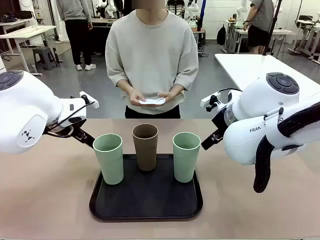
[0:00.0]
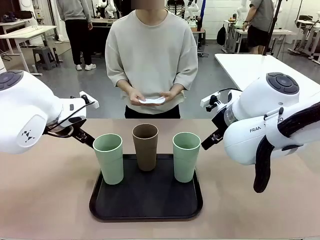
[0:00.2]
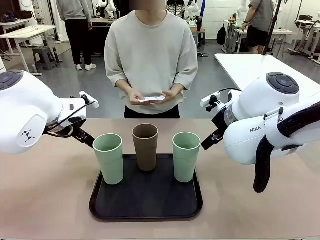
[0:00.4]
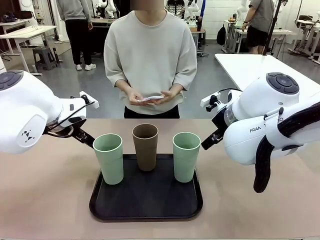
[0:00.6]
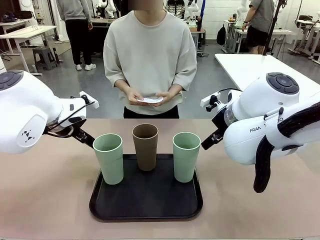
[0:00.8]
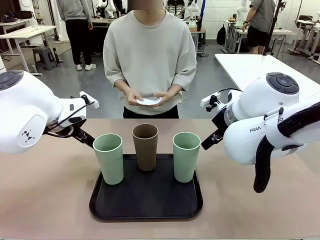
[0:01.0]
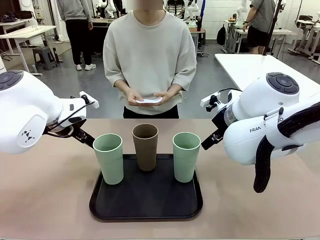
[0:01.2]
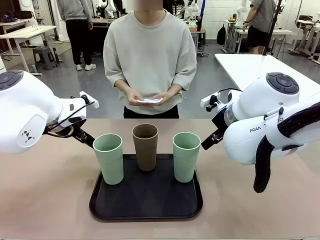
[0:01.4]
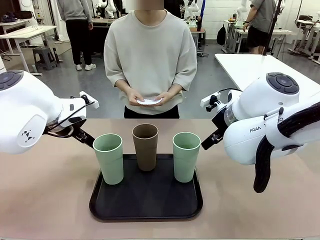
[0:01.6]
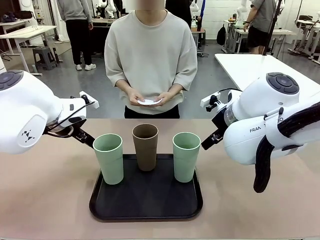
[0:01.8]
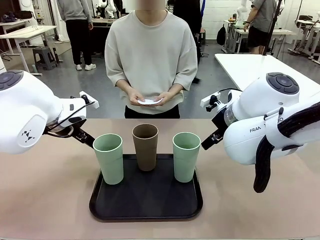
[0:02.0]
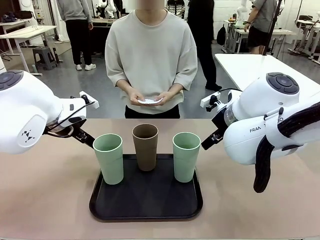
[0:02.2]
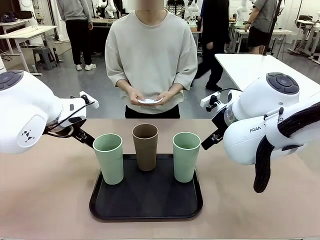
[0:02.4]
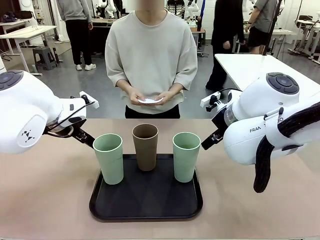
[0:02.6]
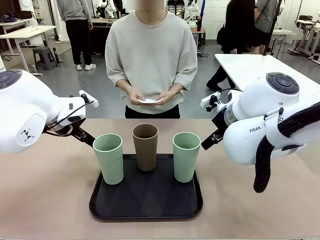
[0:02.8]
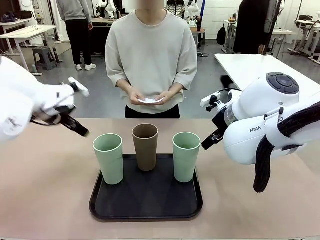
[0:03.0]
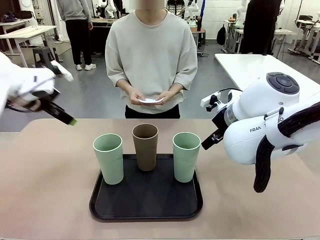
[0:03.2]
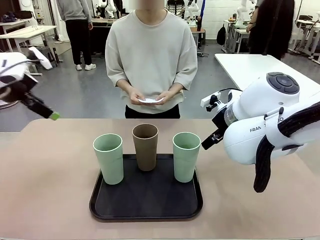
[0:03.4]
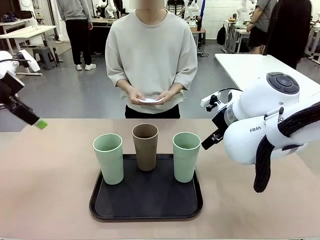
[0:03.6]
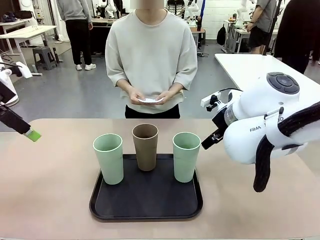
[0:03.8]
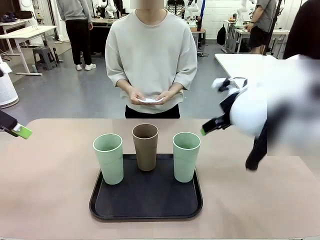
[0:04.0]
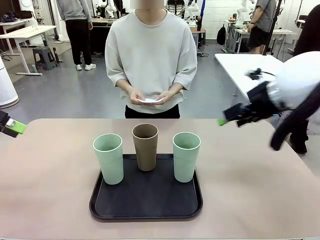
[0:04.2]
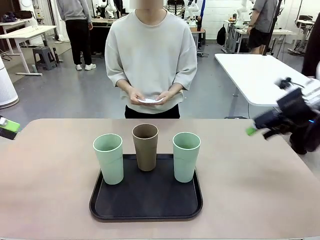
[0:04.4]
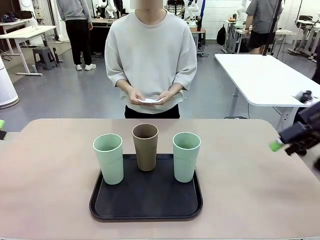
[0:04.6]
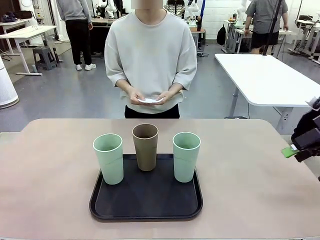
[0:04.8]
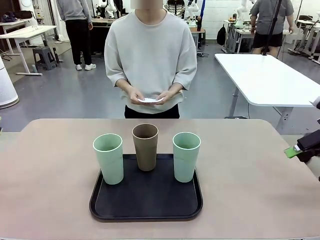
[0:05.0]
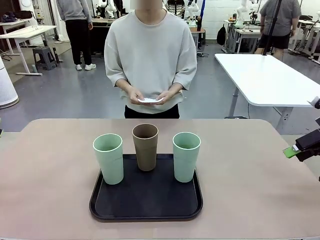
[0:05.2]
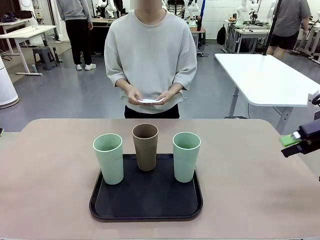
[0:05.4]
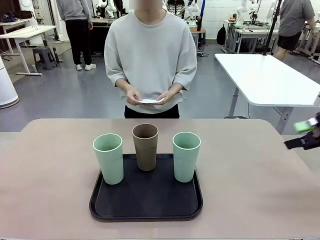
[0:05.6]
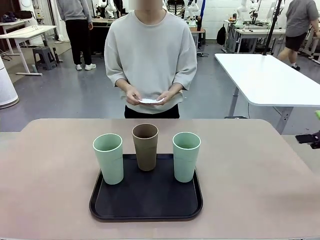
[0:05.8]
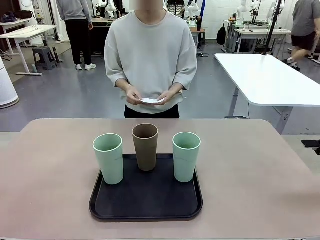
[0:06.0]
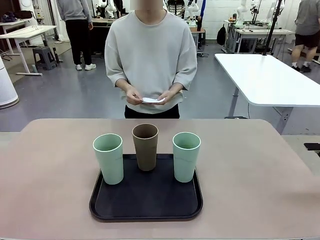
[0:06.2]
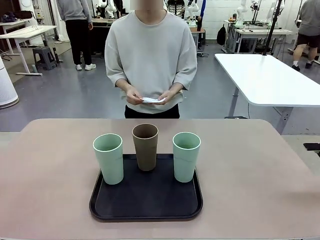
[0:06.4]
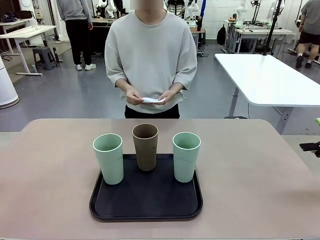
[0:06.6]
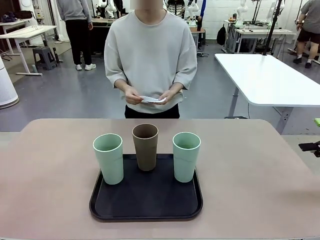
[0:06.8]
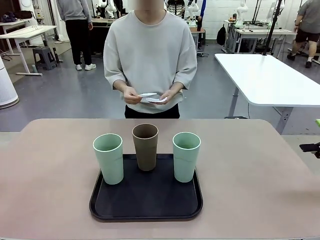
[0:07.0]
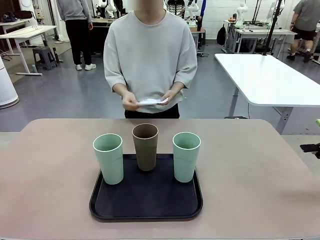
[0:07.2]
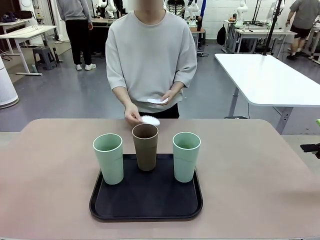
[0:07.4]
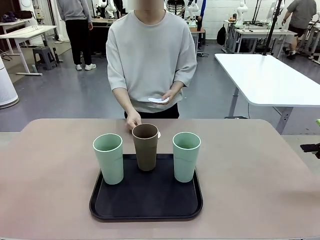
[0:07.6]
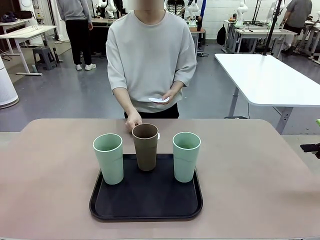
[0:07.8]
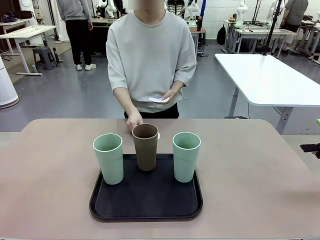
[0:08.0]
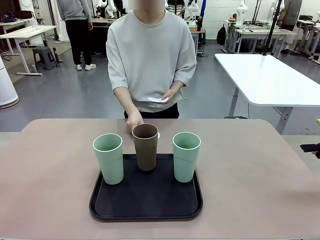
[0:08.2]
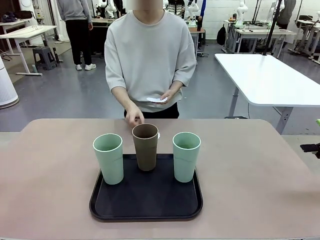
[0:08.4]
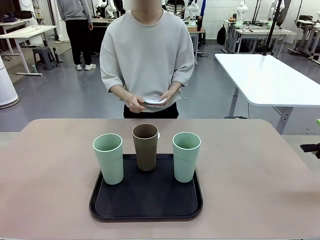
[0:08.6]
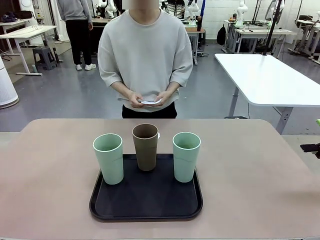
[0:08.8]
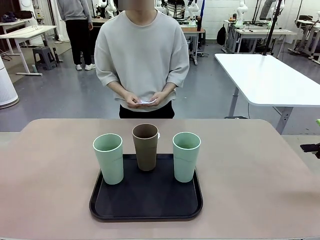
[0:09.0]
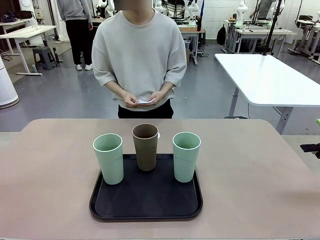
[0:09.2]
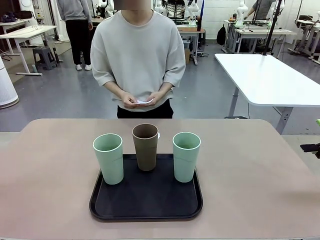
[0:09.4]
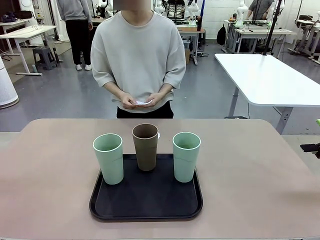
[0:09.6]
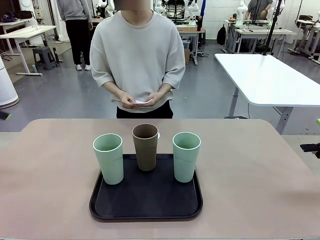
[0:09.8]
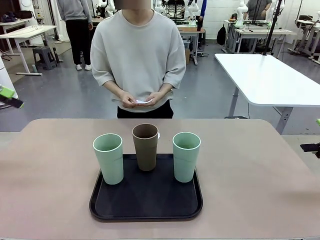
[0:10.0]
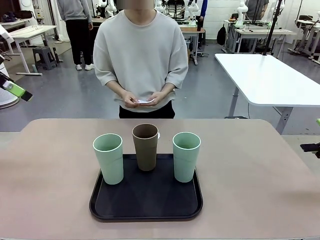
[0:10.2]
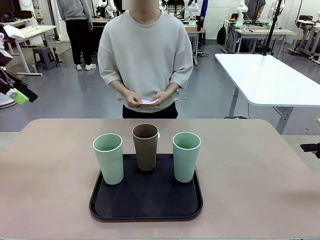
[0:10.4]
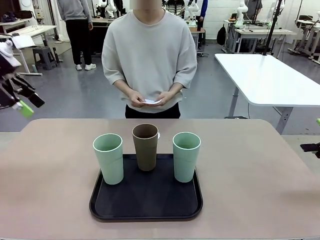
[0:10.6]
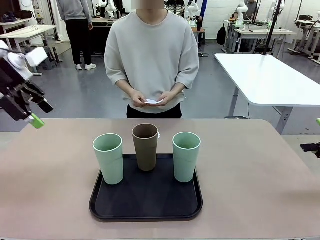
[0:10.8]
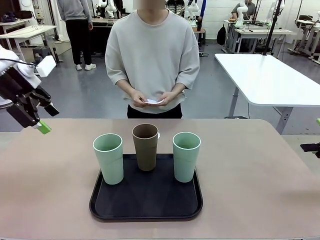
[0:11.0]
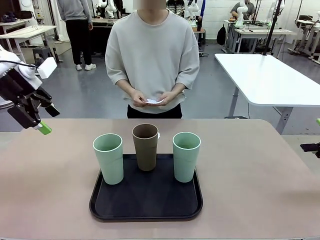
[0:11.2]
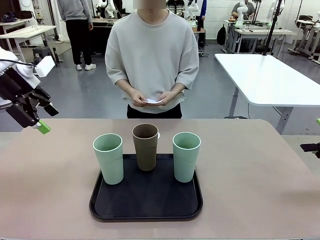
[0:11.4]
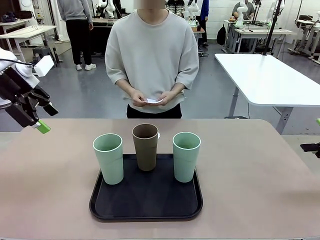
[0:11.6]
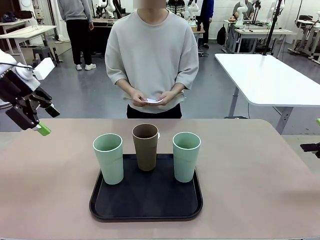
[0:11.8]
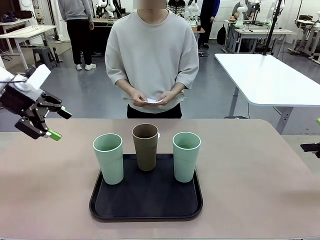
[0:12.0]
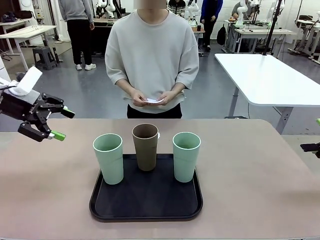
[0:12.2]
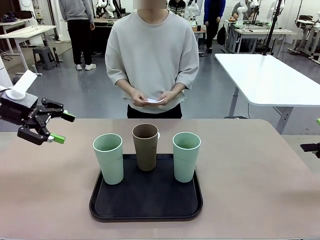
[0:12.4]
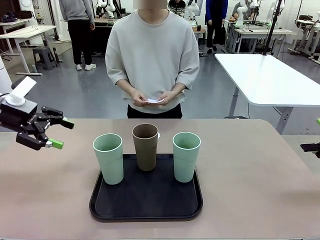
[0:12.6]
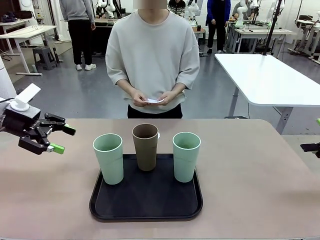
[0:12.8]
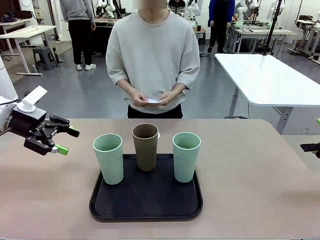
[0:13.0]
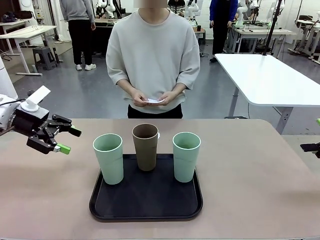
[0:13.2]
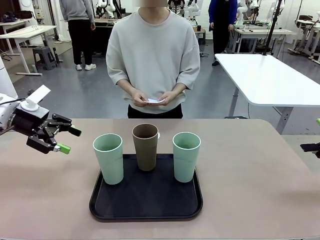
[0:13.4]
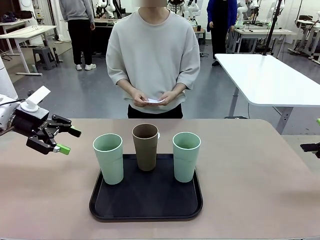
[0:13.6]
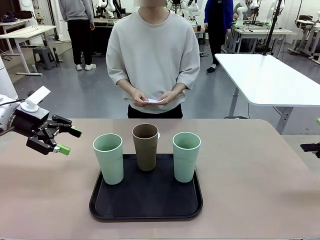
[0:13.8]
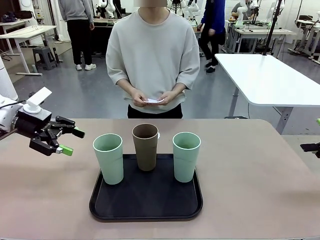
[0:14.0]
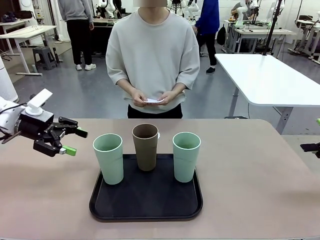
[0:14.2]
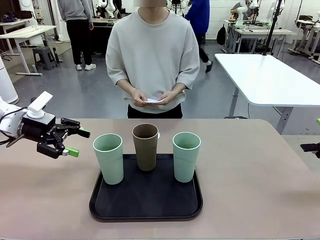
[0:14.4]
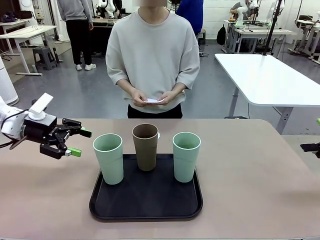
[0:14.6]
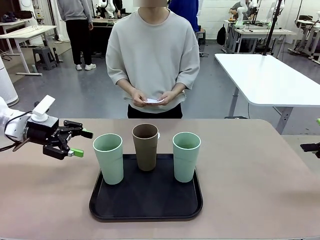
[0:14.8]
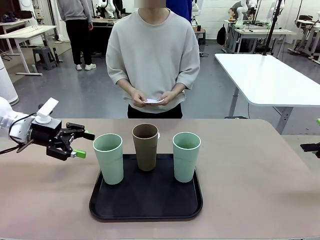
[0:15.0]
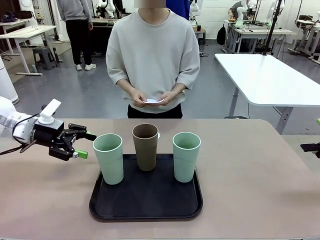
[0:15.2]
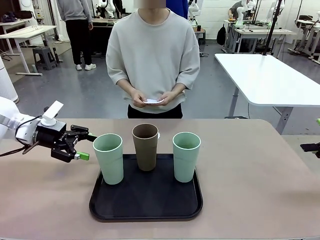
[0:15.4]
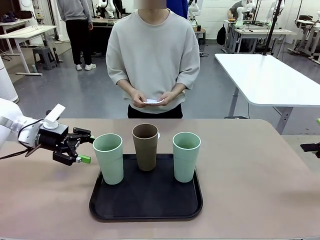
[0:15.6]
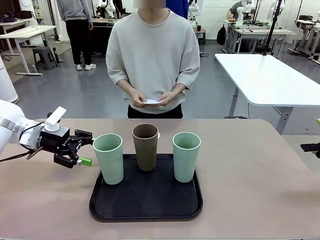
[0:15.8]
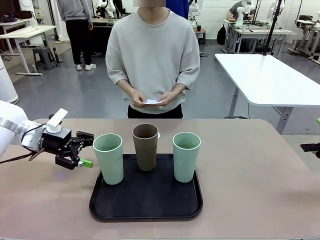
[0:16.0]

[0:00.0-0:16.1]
Task: Place coasters on the table and set cups on them.
Robot: Pick up one Reusable plastic cup and place it on a coaster set by the human.
Person: Place one coaster in any one of the three lower areas of the robot table (left, center, or right).
